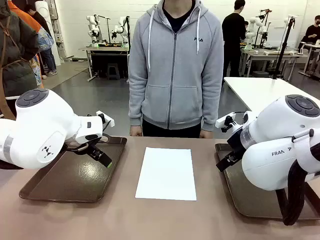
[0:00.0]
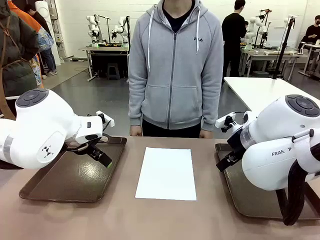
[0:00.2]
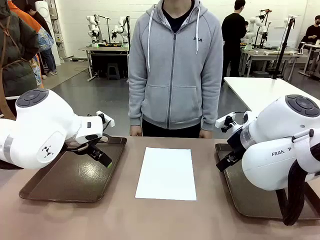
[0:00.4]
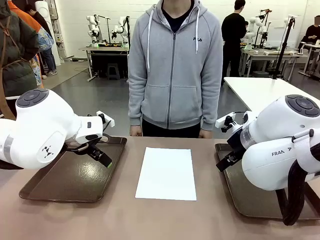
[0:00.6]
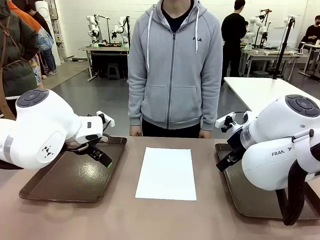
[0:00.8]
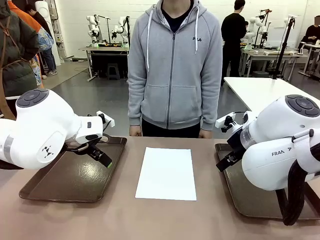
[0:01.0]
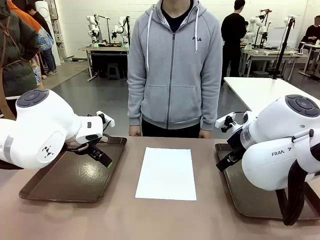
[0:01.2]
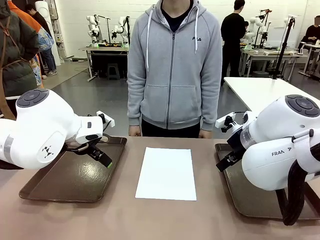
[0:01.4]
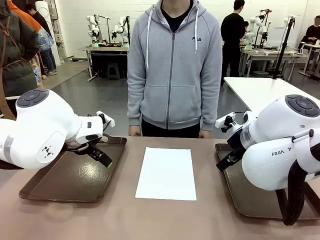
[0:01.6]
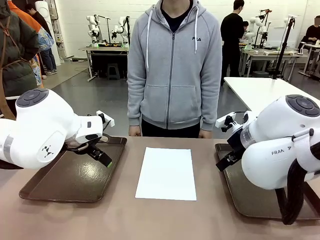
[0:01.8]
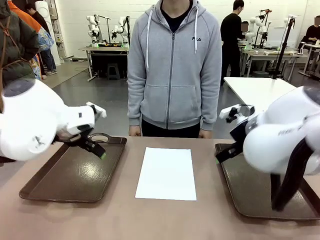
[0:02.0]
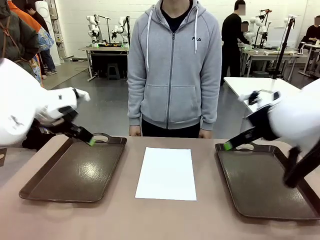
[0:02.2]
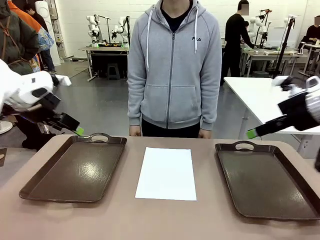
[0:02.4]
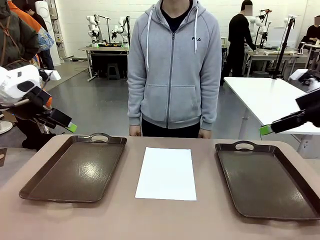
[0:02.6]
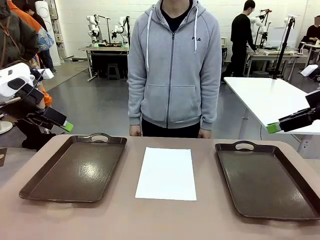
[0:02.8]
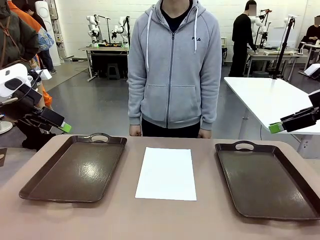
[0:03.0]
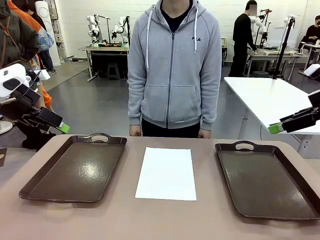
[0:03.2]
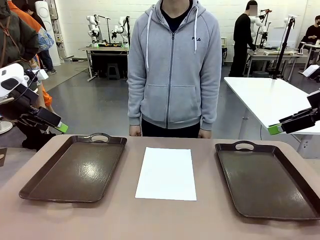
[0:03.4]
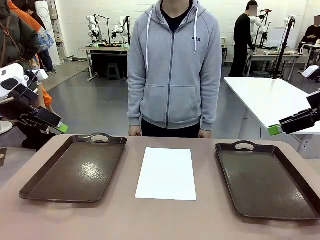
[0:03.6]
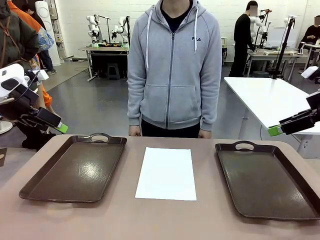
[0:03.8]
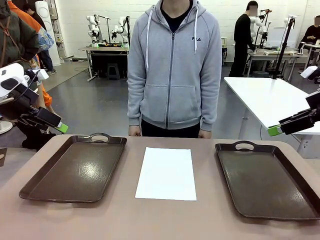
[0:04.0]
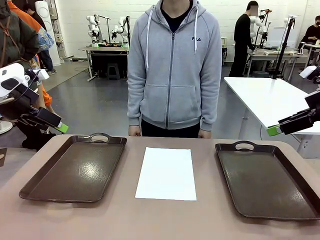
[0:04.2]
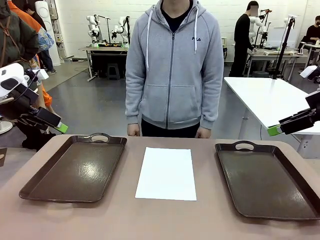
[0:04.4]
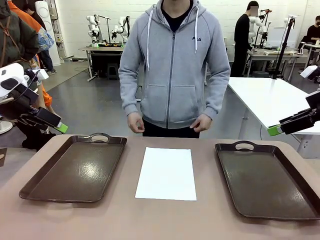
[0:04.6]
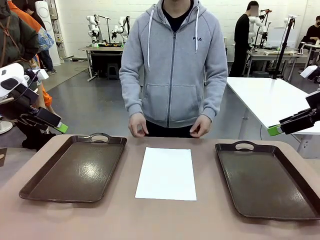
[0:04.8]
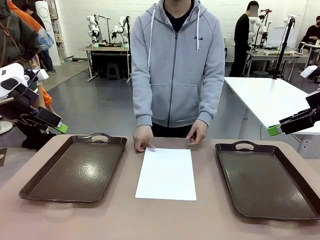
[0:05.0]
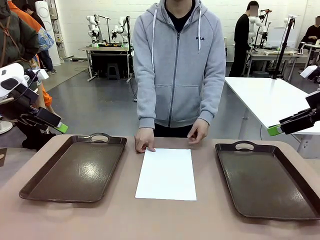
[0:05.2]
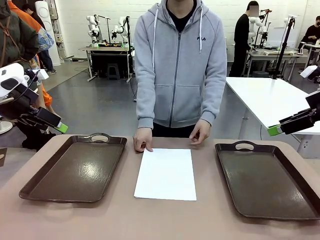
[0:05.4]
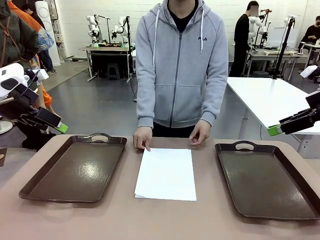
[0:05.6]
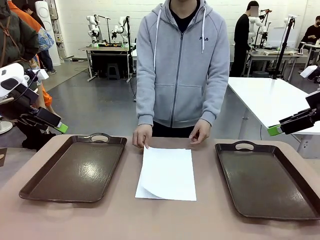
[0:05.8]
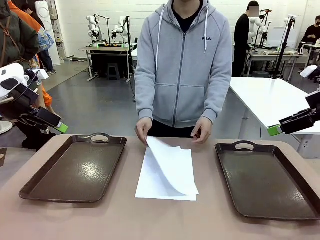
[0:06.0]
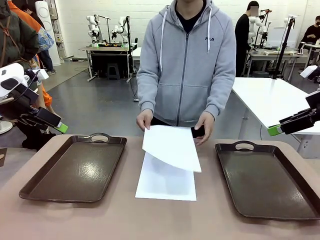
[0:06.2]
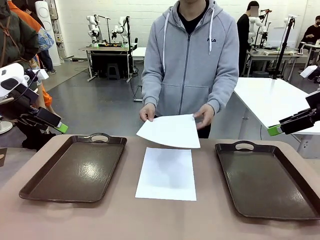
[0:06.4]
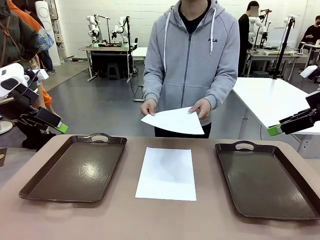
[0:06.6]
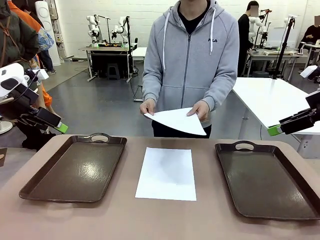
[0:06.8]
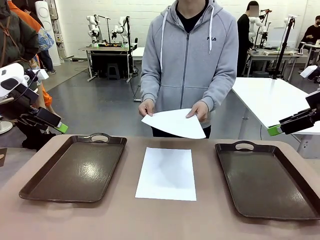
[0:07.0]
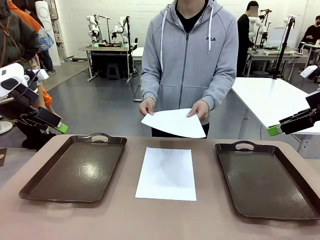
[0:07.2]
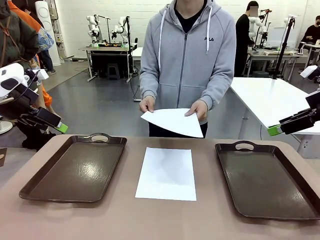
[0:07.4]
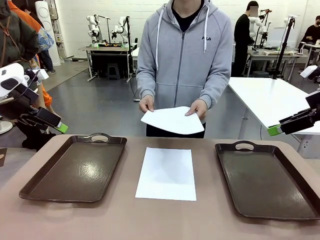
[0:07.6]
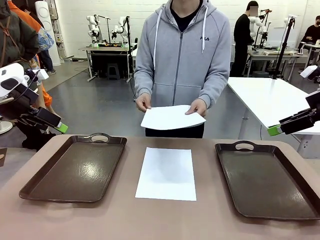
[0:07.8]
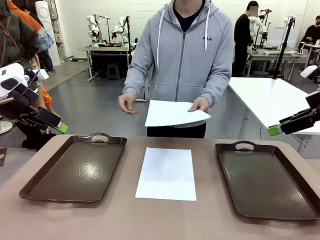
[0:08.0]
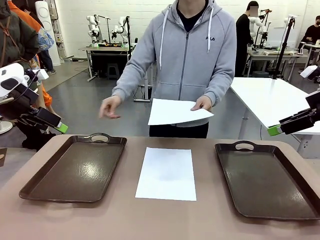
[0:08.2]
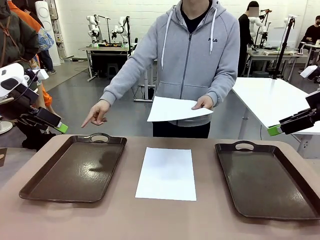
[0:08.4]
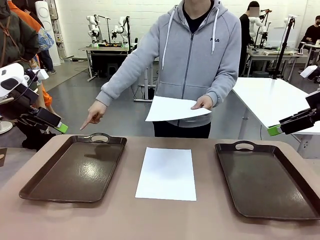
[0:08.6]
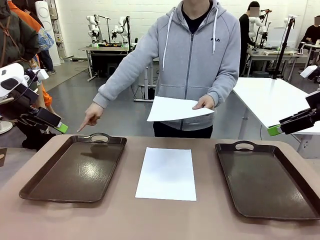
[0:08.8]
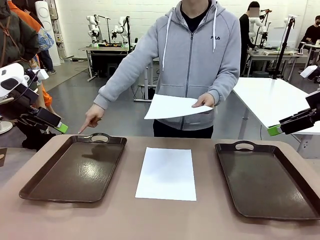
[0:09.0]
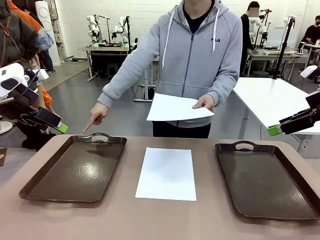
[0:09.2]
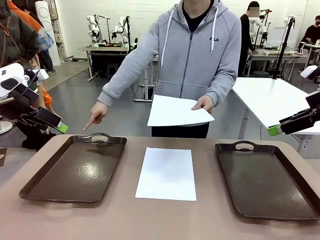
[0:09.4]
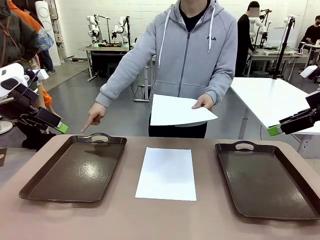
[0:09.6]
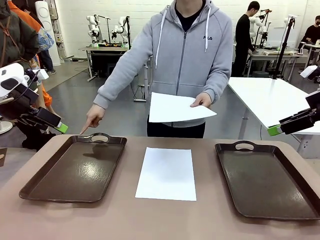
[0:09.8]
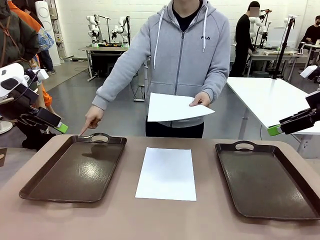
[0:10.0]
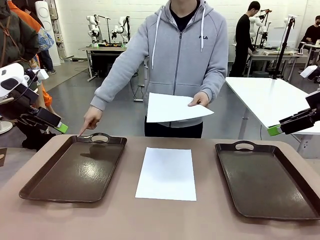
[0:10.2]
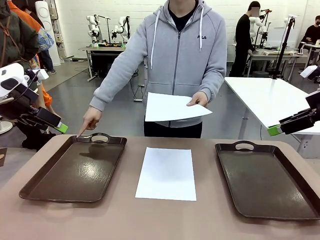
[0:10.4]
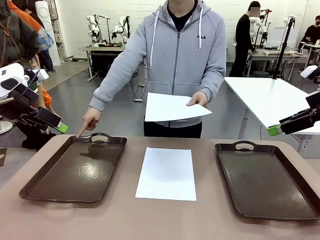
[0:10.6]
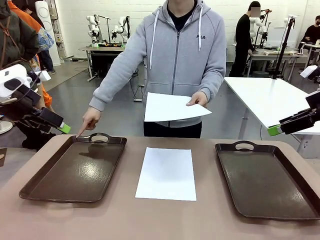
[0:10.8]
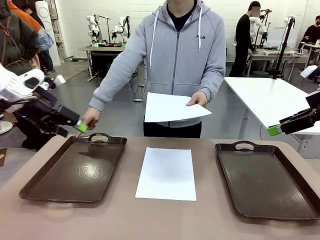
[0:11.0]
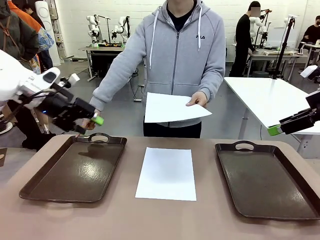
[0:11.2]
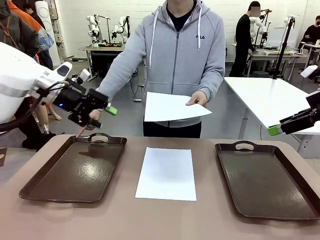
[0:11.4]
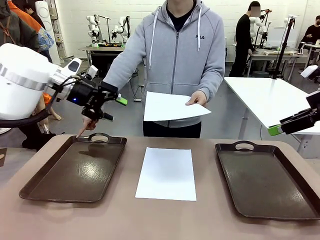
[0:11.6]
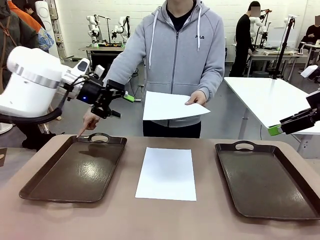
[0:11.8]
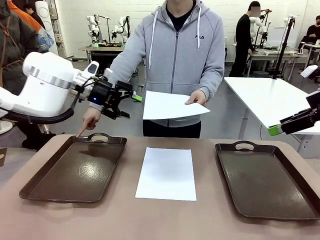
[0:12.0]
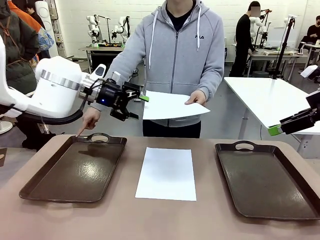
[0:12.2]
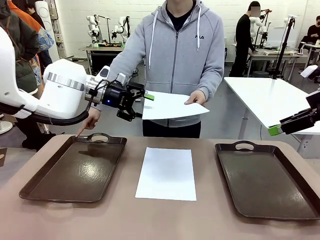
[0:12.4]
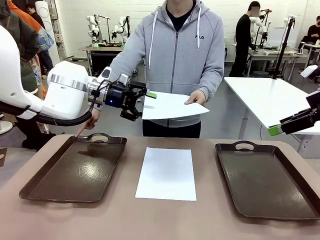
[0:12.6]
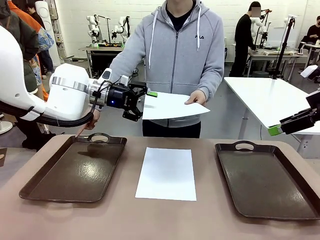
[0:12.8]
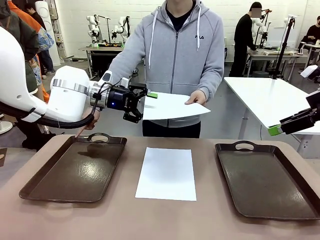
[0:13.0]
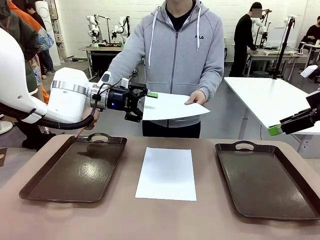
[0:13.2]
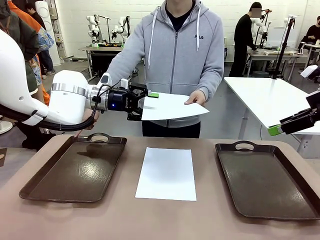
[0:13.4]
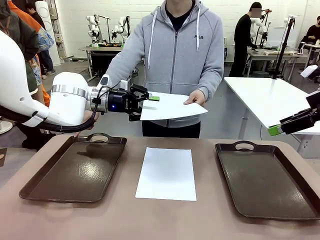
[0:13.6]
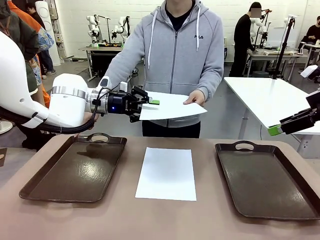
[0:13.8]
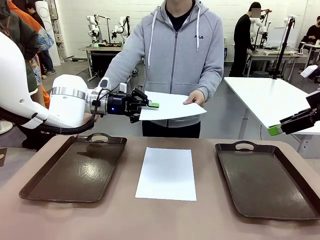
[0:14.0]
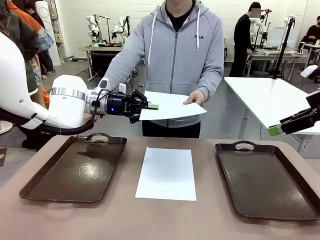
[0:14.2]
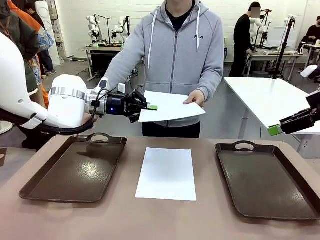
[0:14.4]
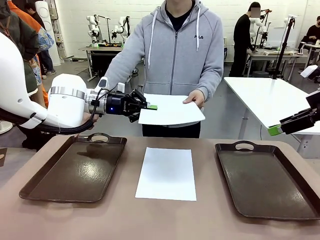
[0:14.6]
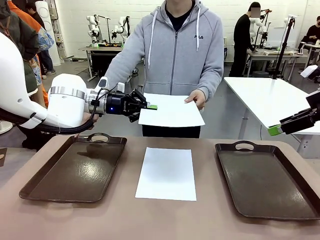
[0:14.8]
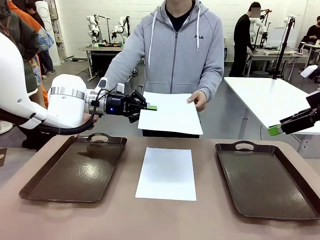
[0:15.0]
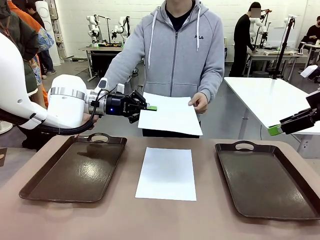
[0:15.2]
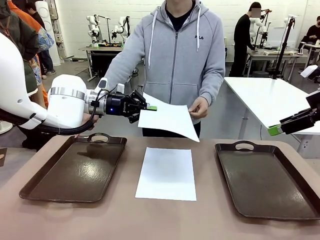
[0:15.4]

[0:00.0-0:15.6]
Task: Sort the A4 documents.
Robot: Receive the A4 Paper.
Person: Pick up a sheet of paper from the center of the table and hand it to the robot. Point the randomly selected tray with the other hand.

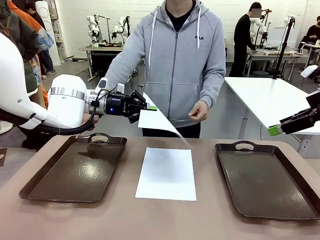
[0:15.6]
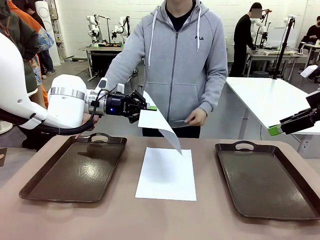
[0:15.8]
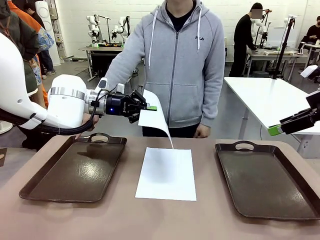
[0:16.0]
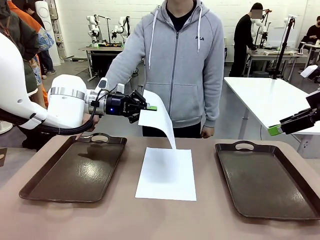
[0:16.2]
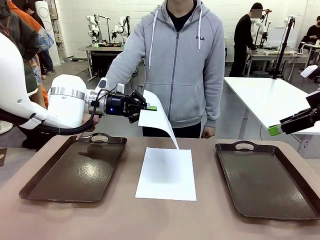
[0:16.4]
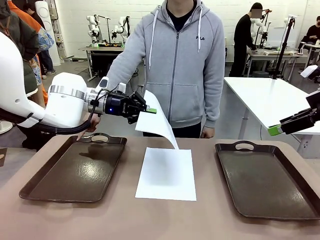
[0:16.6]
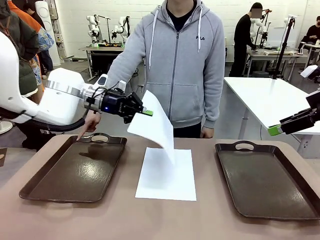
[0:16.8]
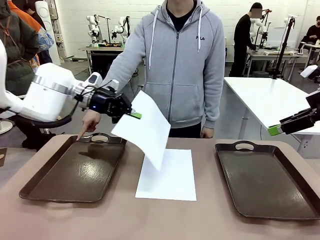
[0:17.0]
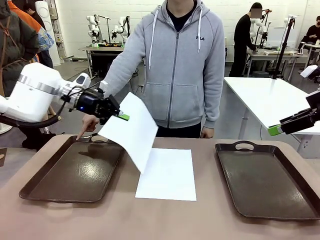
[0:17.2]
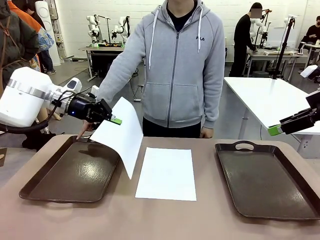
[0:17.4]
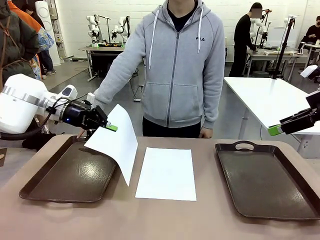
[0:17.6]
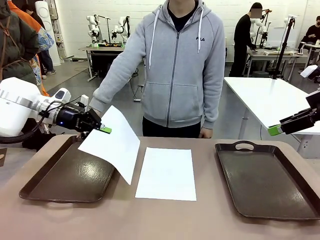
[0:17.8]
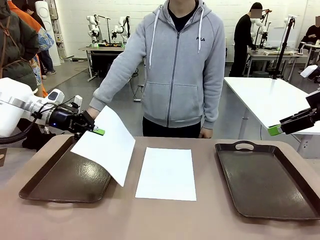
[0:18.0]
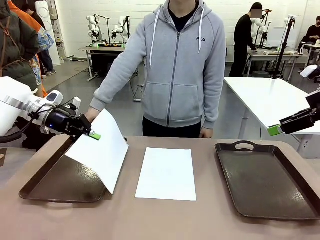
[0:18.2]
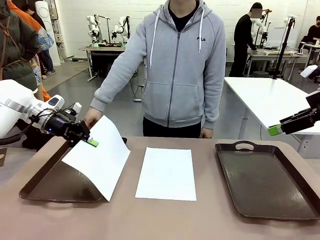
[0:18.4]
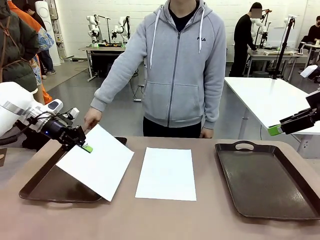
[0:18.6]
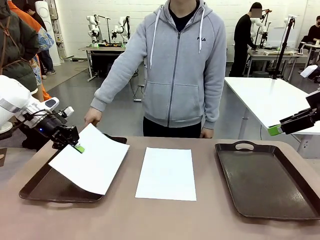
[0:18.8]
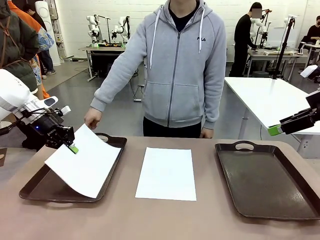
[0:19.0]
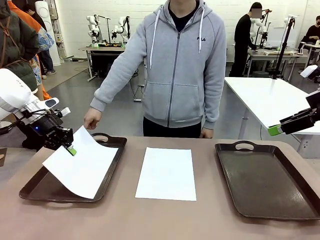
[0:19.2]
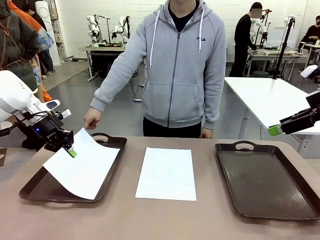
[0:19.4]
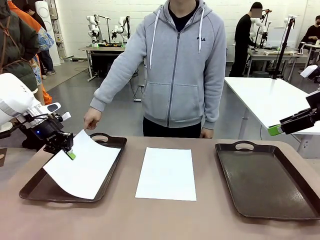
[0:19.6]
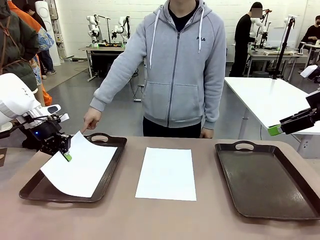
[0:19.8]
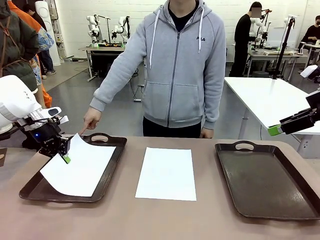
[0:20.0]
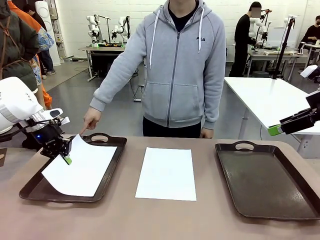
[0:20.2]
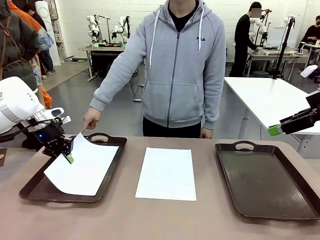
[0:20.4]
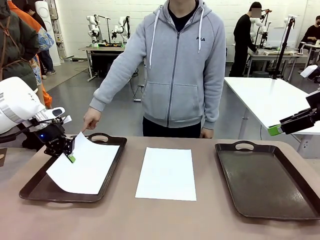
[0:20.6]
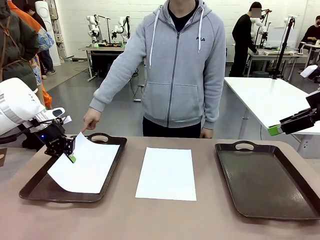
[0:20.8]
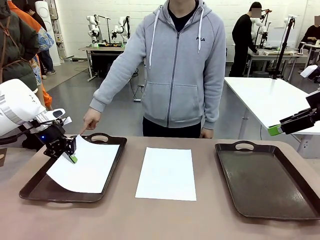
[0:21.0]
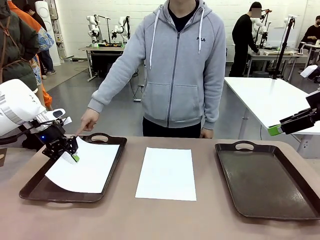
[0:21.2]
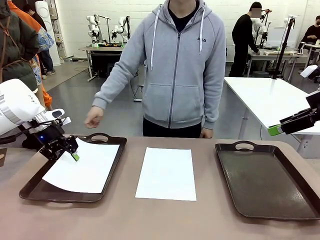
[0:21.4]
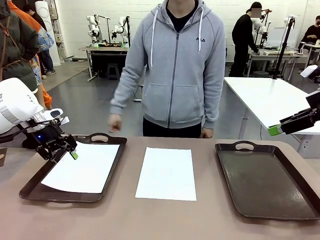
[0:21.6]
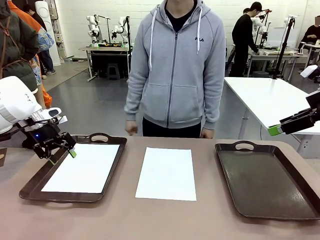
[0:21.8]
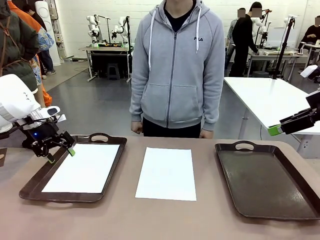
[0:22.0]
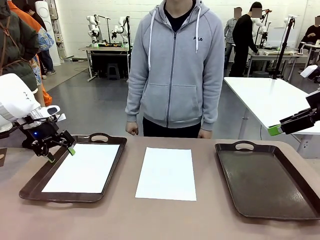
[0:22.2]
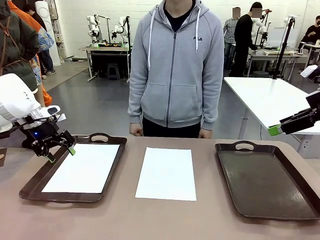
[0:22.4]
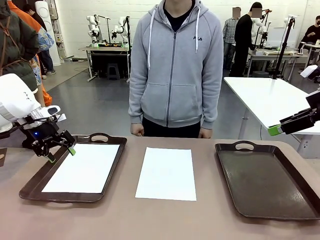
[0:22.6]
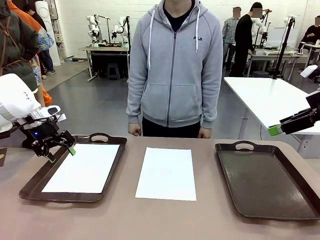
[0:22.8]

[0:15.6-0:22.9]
Robot: Place the A4 Paper in the designated Handle tray.
